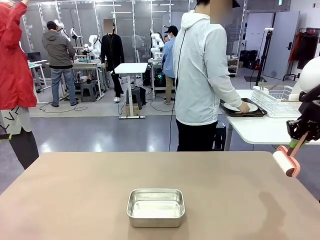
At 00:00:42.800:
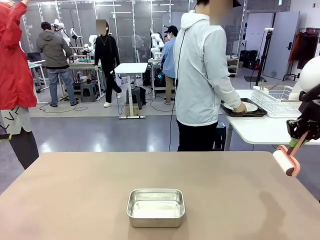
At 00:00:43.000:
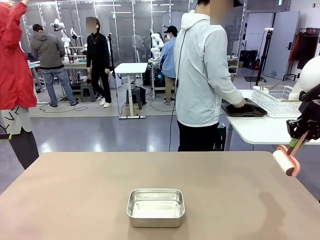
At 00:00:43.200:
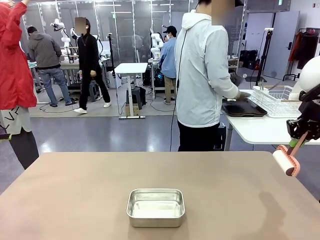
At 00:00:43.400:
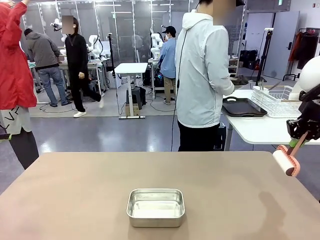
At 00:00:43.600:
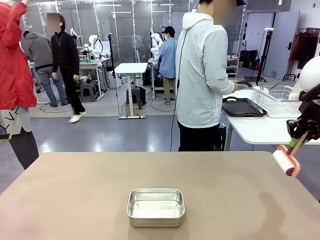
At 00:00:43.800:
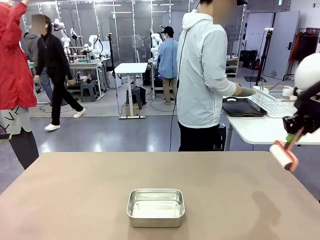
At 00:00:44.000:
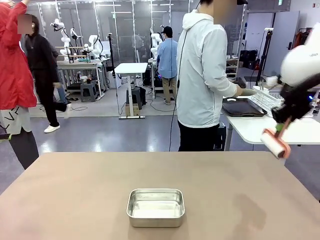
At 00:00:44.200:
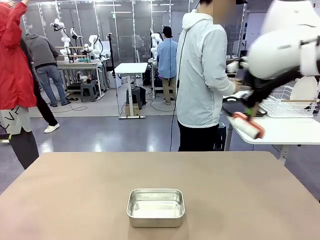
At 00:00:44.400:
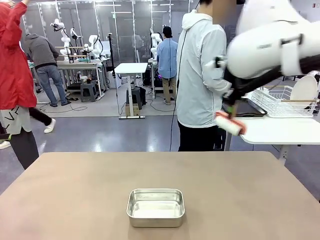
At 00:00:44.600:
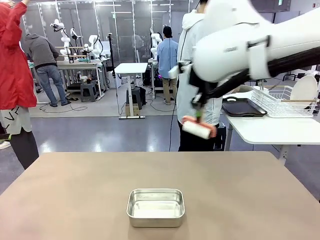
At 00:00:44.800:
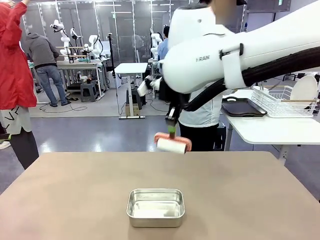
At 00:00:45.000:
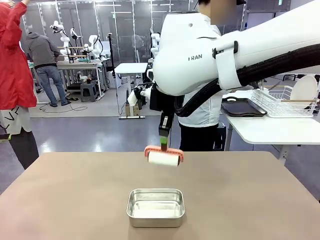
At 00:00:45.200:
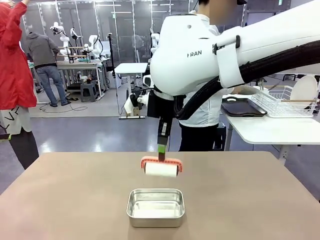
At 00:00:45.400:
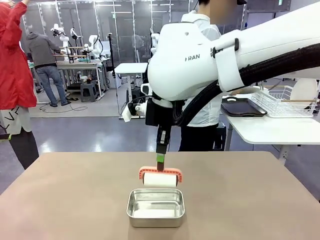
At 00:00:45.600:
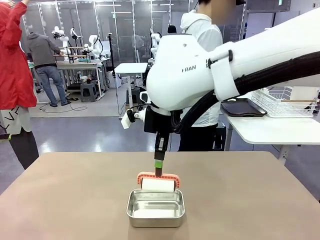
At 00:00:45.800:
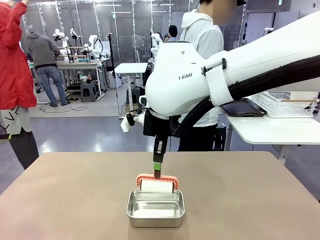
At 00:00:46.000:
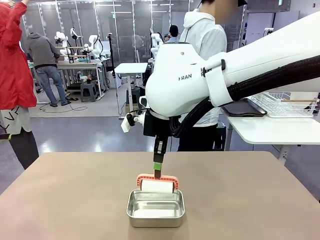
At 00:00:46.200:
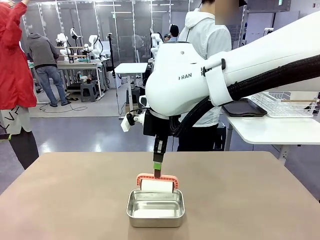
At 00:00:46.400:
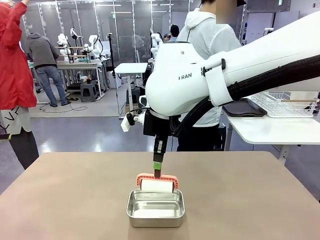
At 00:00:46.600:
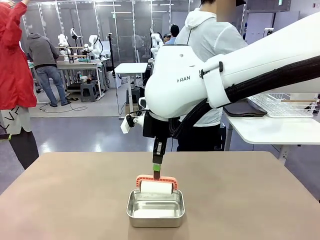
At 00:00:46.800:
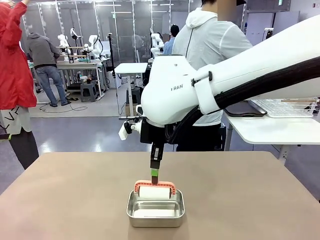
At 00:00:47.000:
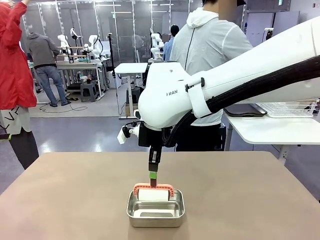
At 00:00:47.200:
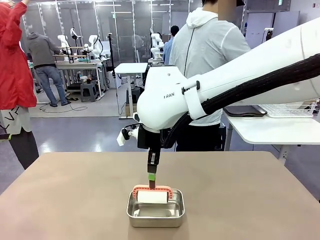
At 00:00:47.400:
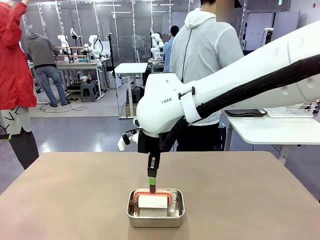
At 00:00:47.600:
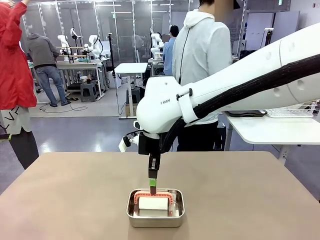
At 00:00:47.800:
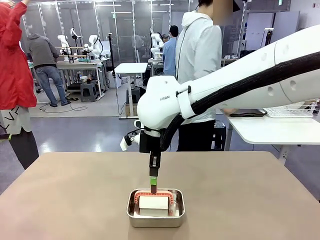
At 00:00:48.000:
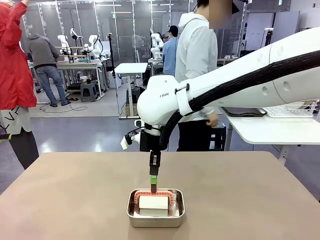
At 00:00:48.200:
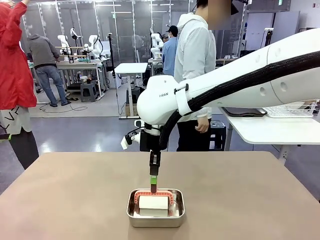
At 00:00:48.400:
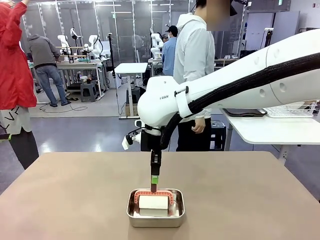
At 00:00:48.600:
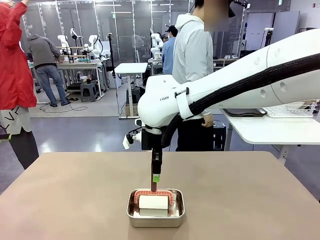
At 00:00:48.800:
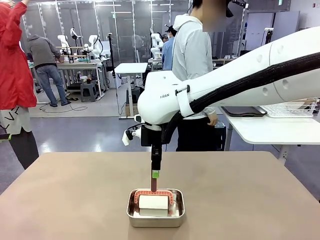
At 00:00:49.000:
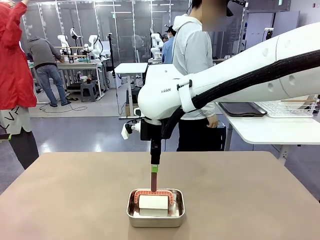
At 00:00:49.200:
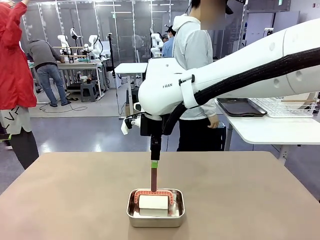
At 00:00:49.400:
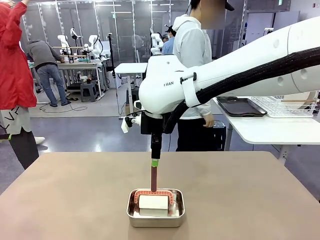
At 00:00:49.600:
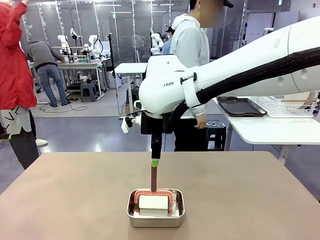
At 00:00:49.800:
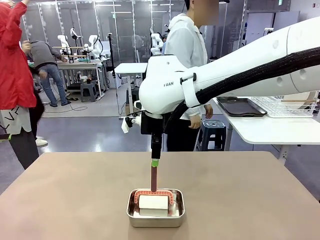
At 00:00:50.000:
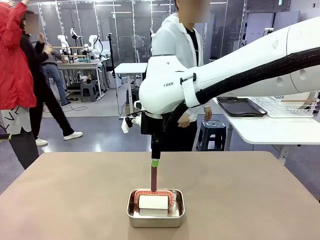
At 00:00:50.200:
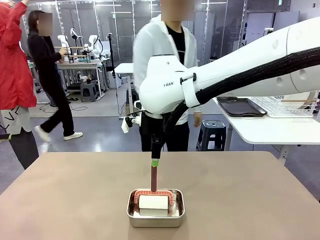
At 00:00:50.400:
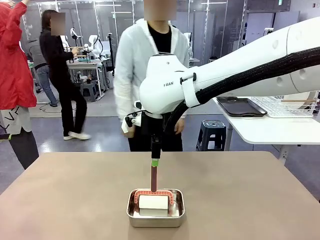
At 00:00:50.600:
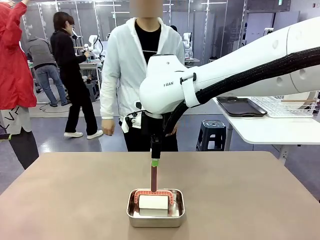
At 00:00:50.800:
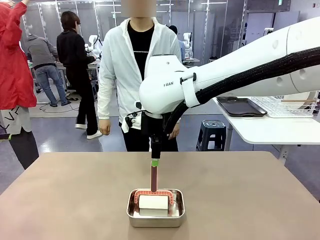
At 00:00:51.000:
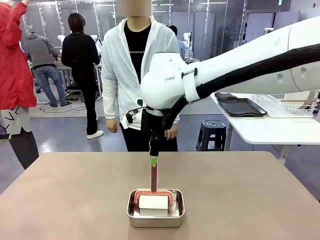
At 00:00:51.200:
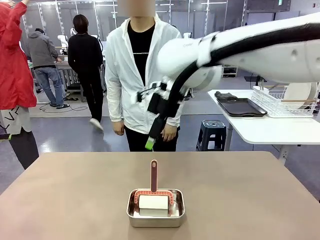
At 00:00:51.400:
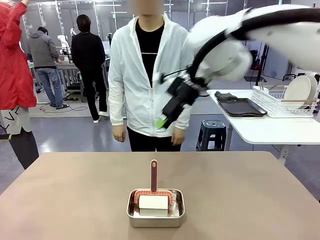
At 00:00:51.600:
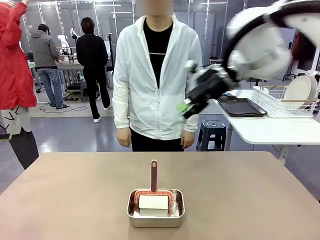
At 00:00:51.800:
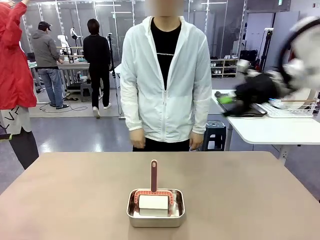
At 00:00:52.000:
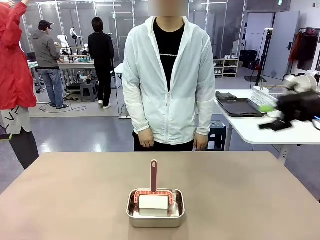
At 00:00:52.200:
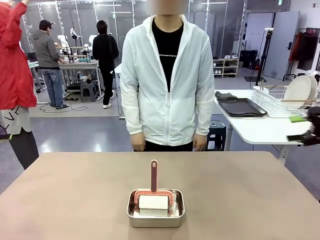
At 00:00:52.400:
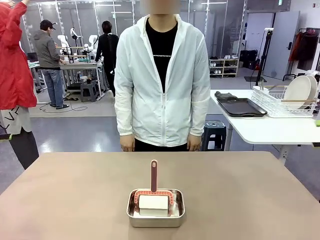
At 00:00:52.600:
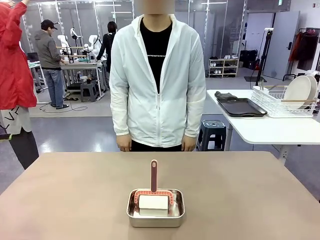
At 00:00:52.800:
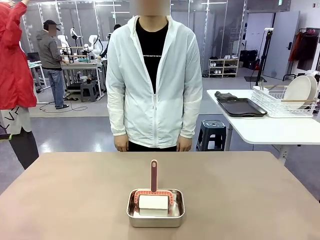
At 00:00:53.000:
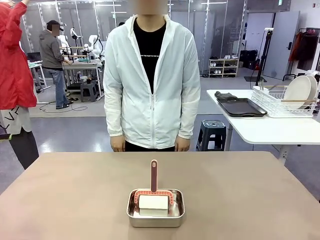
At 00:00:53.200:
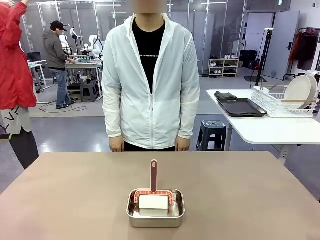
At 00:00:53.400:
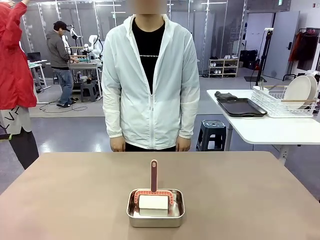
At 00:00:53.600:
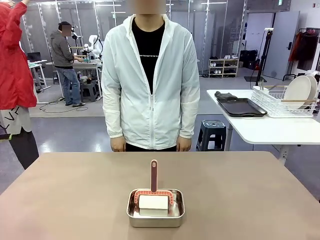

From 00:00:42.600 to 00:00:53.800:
Robot: Place the Lint Roller back on top of the Airtight Container.
Person: Use the Towel with hook to wipe the Plastic Matte Plate , Fork , and Knife and place into the Dish drying rack.
